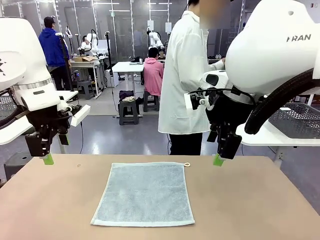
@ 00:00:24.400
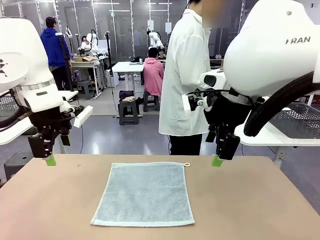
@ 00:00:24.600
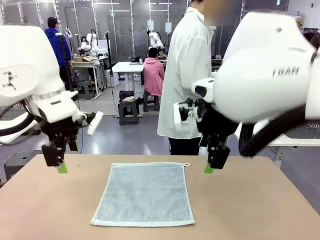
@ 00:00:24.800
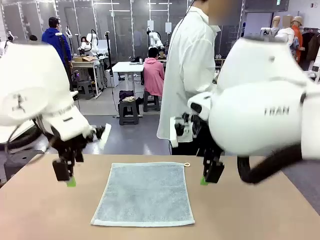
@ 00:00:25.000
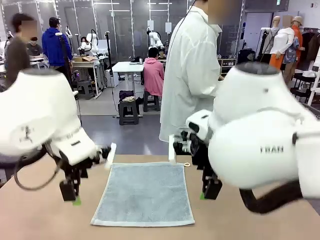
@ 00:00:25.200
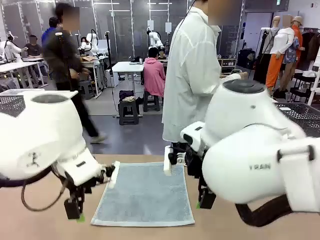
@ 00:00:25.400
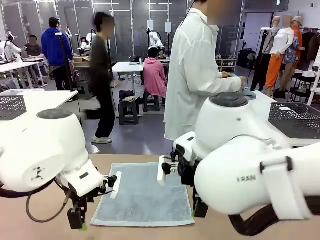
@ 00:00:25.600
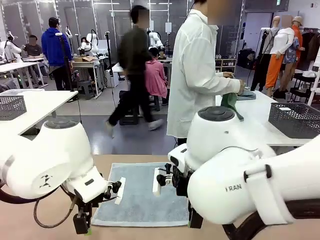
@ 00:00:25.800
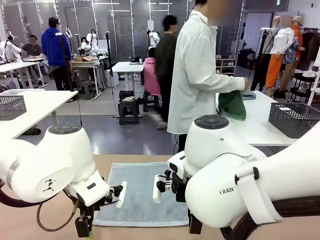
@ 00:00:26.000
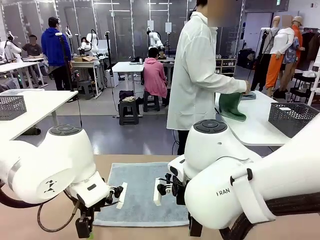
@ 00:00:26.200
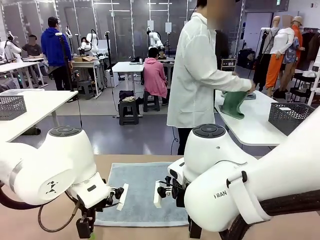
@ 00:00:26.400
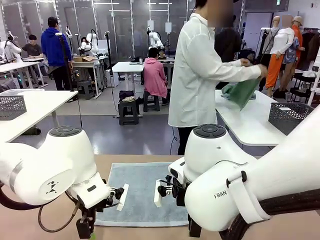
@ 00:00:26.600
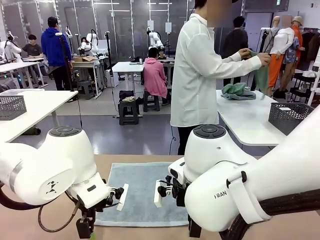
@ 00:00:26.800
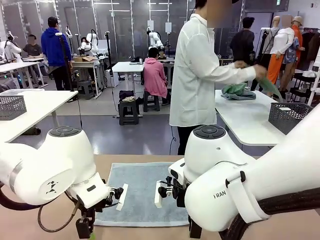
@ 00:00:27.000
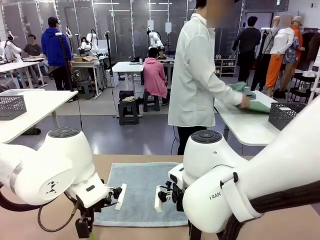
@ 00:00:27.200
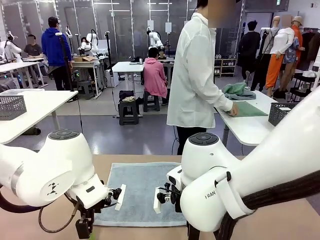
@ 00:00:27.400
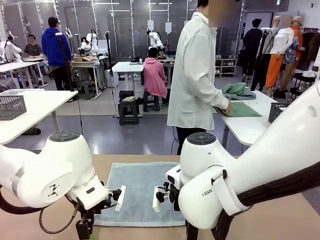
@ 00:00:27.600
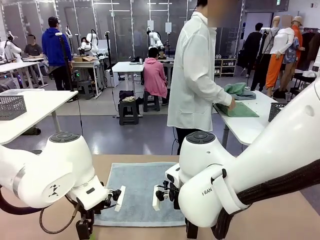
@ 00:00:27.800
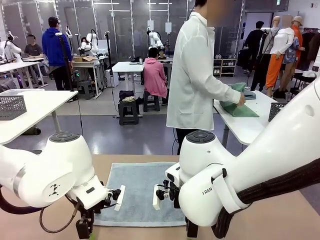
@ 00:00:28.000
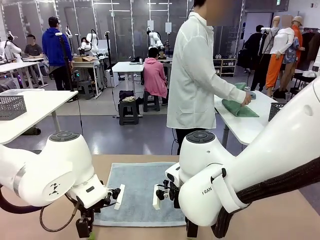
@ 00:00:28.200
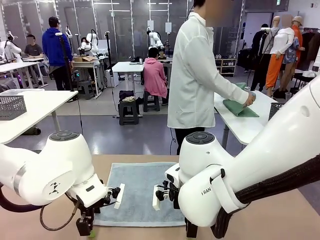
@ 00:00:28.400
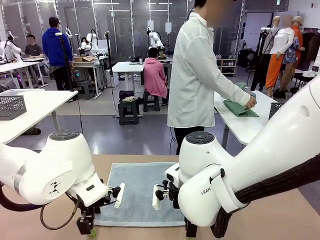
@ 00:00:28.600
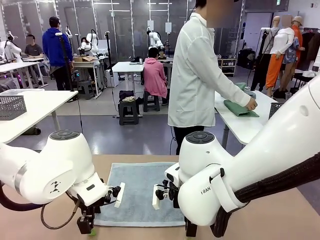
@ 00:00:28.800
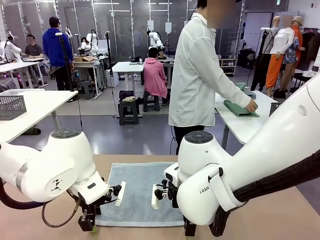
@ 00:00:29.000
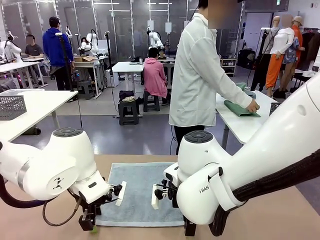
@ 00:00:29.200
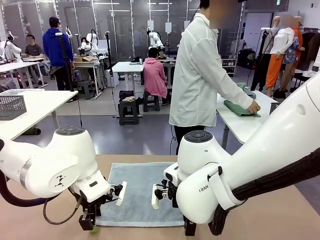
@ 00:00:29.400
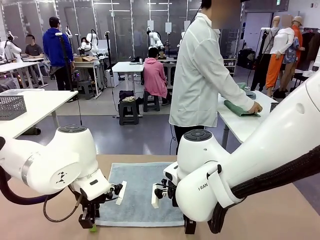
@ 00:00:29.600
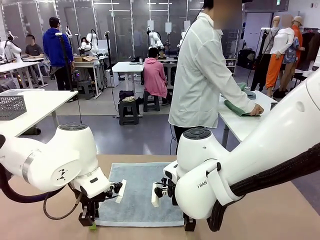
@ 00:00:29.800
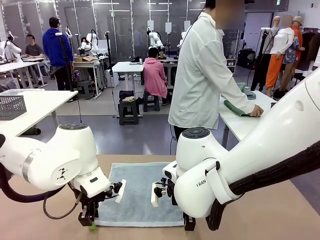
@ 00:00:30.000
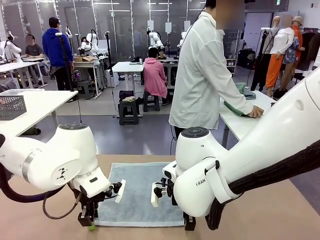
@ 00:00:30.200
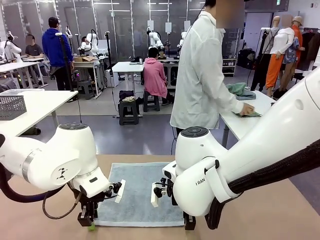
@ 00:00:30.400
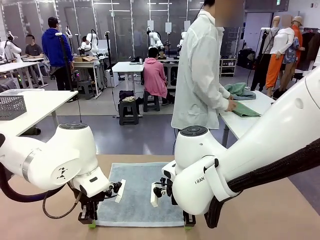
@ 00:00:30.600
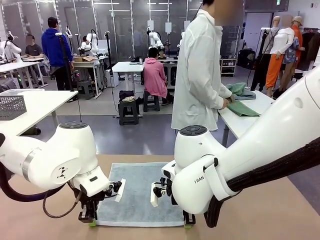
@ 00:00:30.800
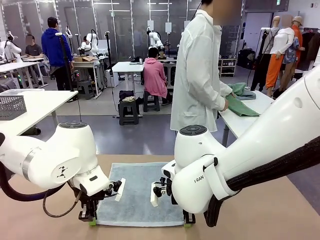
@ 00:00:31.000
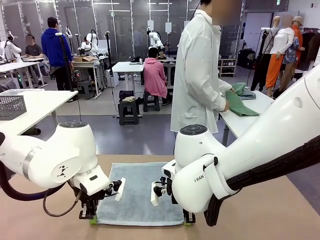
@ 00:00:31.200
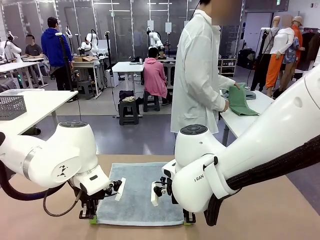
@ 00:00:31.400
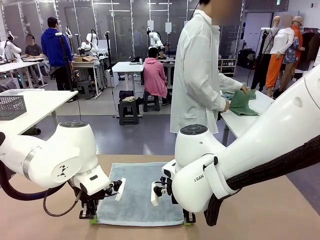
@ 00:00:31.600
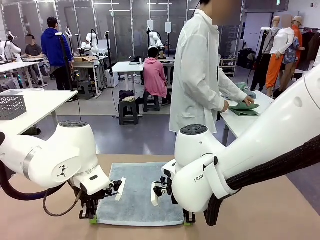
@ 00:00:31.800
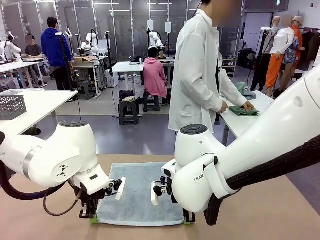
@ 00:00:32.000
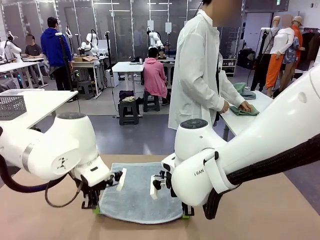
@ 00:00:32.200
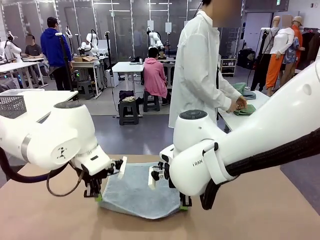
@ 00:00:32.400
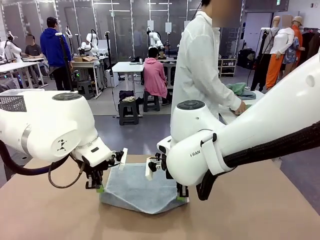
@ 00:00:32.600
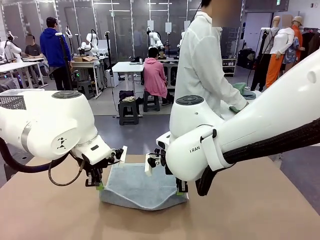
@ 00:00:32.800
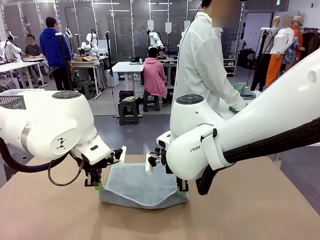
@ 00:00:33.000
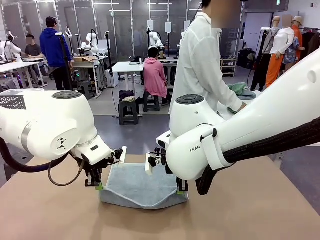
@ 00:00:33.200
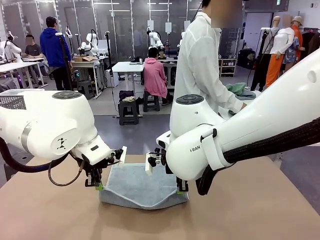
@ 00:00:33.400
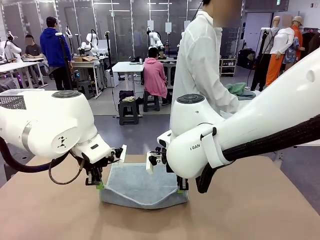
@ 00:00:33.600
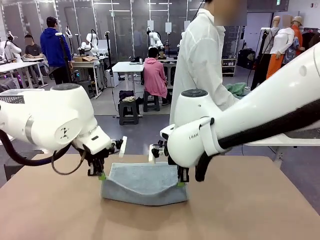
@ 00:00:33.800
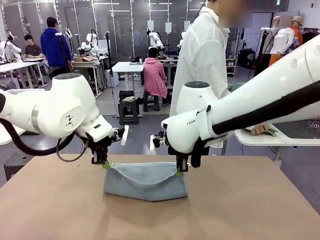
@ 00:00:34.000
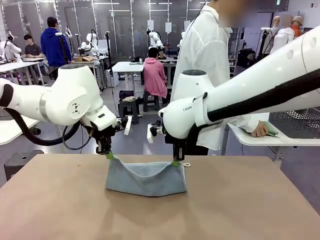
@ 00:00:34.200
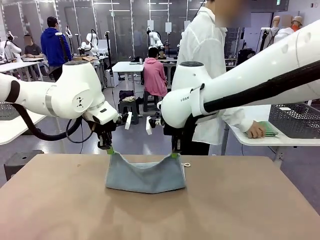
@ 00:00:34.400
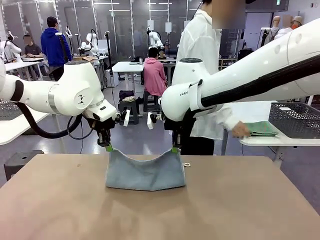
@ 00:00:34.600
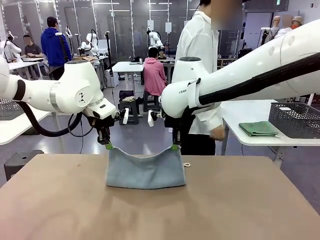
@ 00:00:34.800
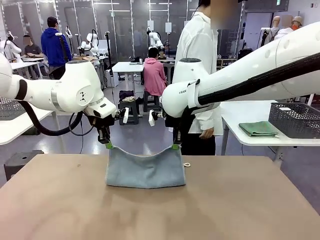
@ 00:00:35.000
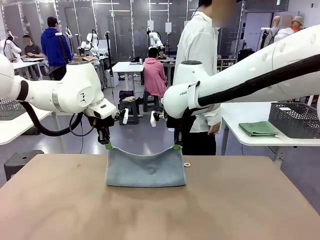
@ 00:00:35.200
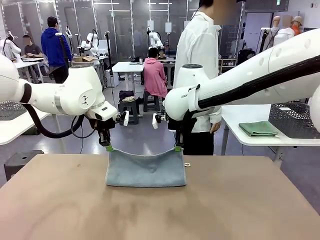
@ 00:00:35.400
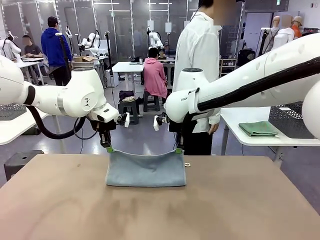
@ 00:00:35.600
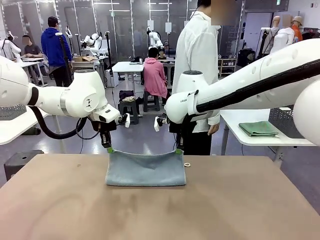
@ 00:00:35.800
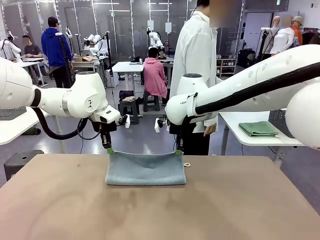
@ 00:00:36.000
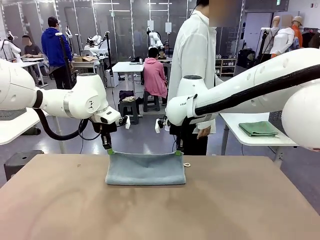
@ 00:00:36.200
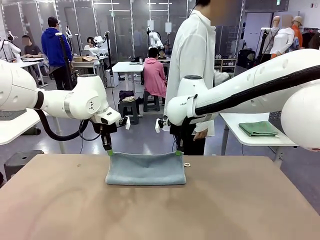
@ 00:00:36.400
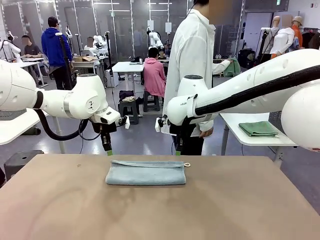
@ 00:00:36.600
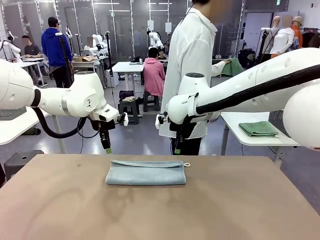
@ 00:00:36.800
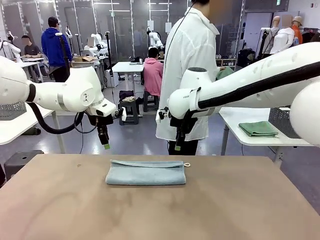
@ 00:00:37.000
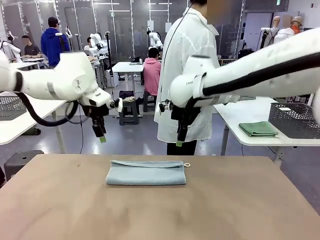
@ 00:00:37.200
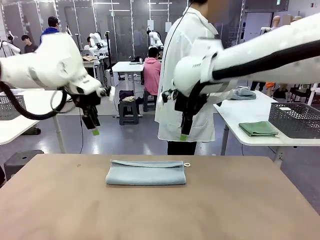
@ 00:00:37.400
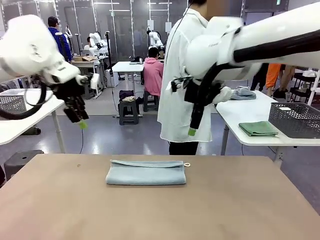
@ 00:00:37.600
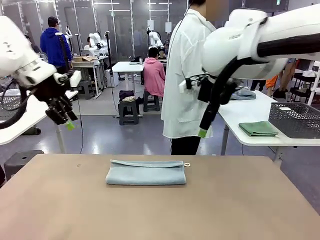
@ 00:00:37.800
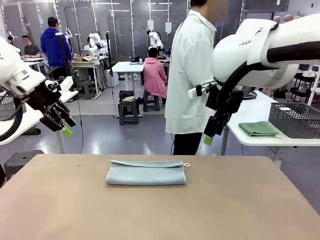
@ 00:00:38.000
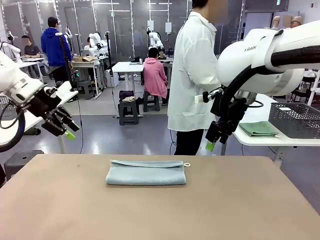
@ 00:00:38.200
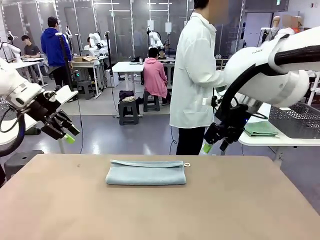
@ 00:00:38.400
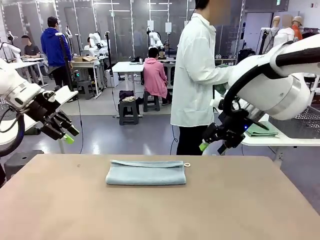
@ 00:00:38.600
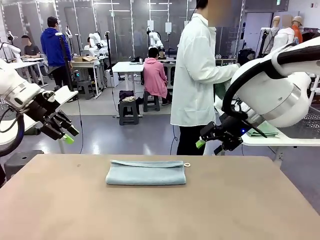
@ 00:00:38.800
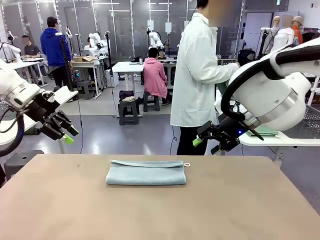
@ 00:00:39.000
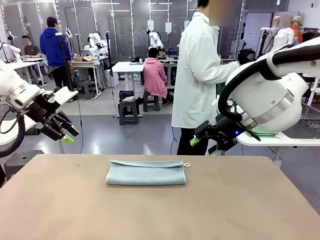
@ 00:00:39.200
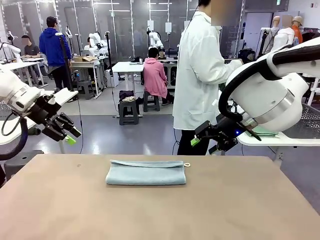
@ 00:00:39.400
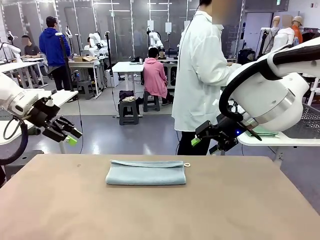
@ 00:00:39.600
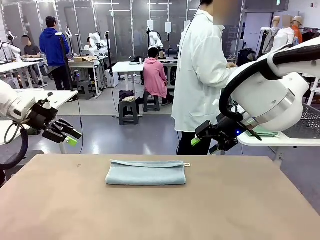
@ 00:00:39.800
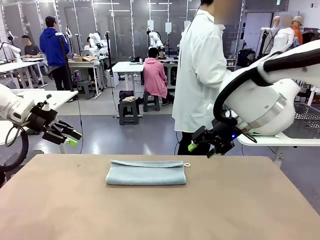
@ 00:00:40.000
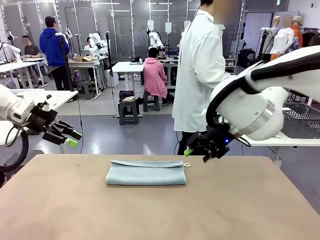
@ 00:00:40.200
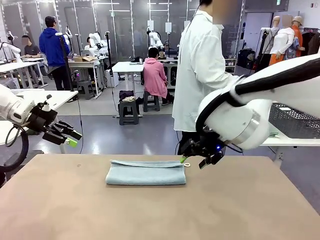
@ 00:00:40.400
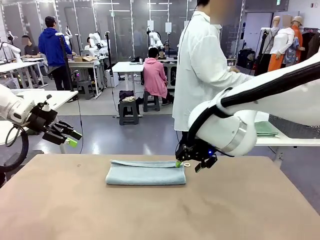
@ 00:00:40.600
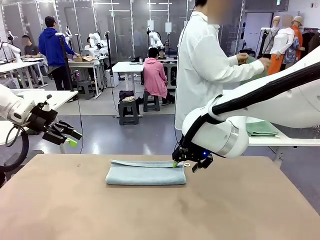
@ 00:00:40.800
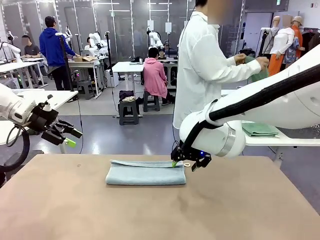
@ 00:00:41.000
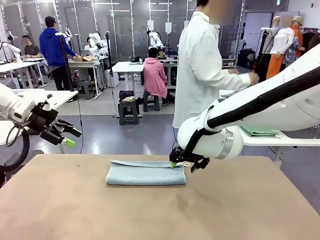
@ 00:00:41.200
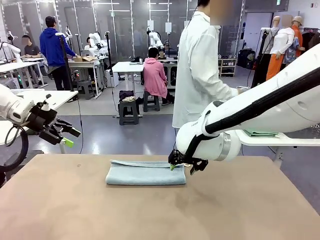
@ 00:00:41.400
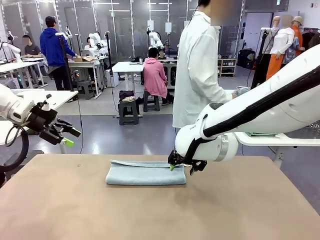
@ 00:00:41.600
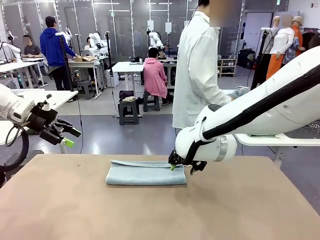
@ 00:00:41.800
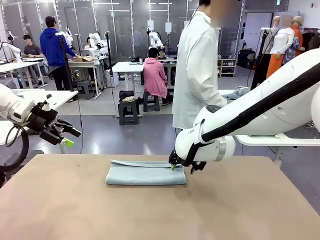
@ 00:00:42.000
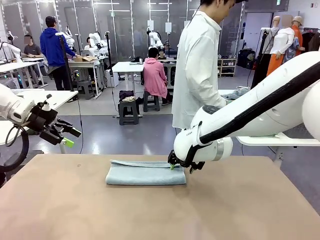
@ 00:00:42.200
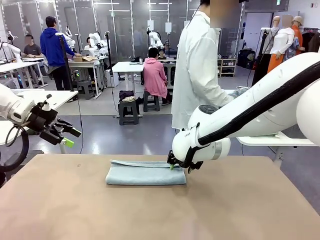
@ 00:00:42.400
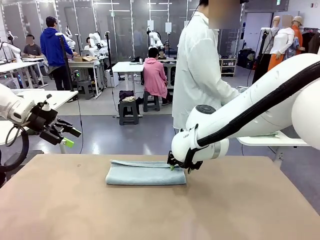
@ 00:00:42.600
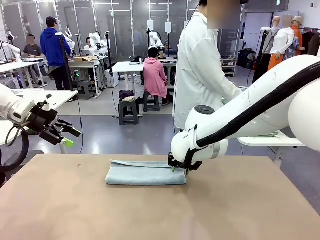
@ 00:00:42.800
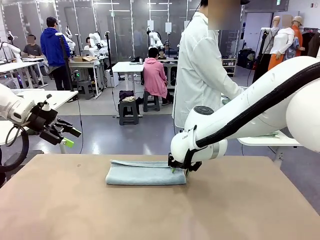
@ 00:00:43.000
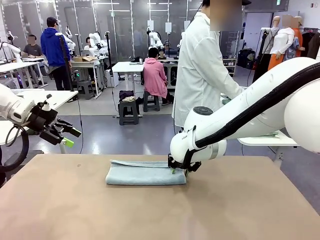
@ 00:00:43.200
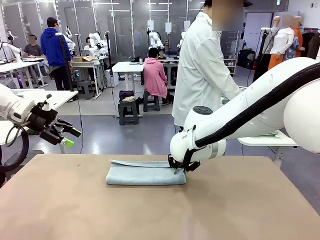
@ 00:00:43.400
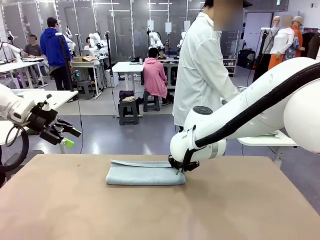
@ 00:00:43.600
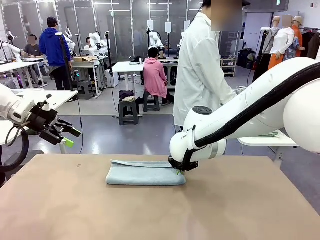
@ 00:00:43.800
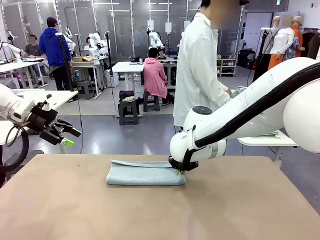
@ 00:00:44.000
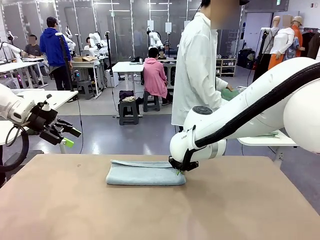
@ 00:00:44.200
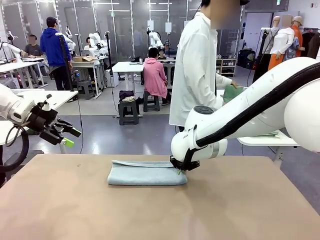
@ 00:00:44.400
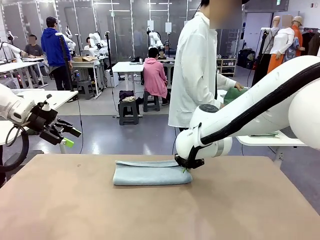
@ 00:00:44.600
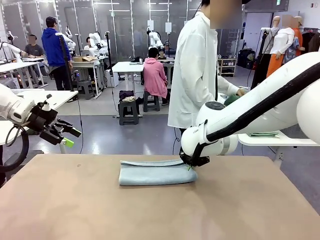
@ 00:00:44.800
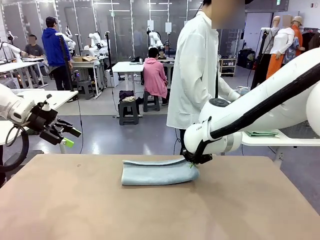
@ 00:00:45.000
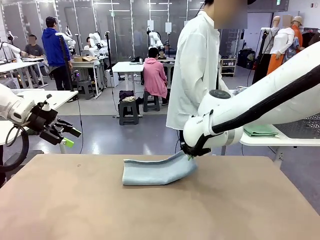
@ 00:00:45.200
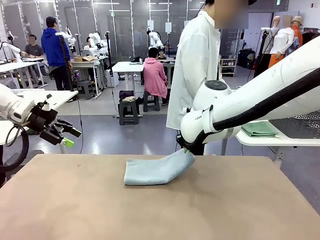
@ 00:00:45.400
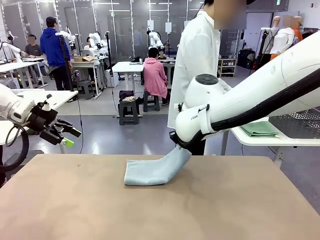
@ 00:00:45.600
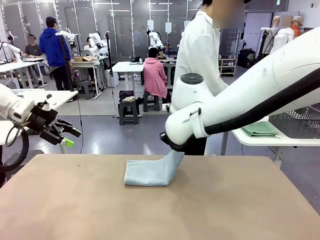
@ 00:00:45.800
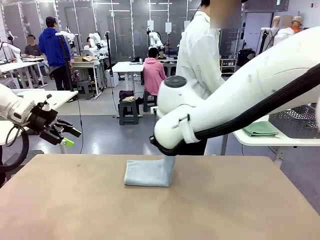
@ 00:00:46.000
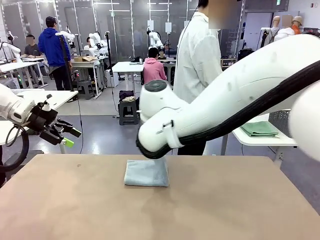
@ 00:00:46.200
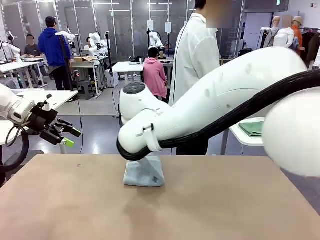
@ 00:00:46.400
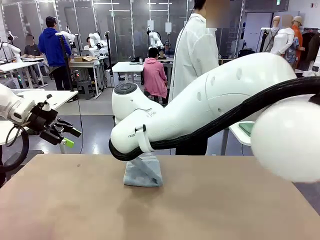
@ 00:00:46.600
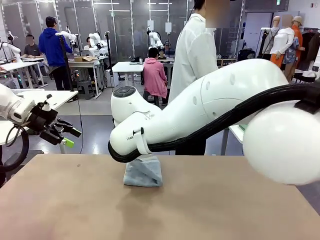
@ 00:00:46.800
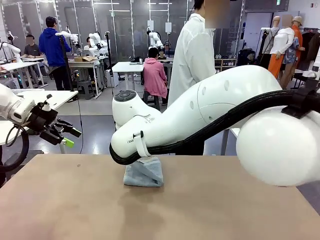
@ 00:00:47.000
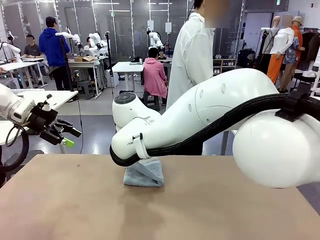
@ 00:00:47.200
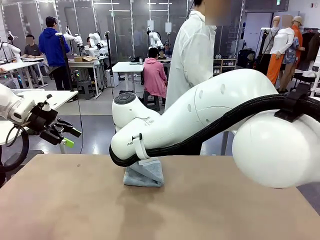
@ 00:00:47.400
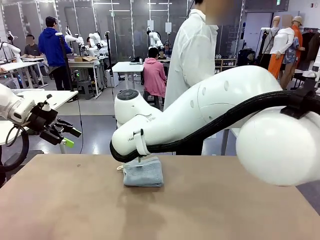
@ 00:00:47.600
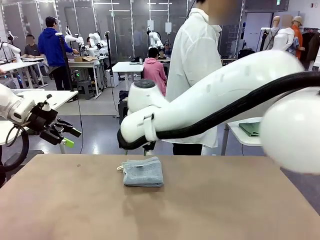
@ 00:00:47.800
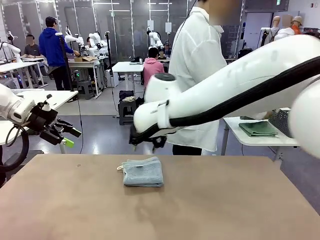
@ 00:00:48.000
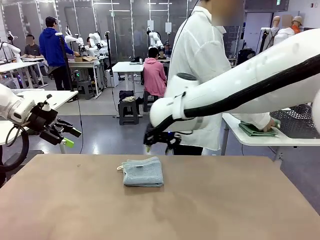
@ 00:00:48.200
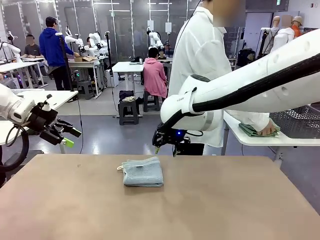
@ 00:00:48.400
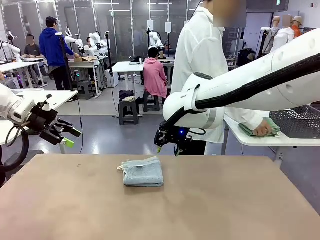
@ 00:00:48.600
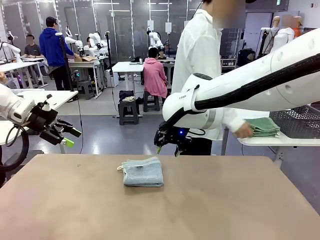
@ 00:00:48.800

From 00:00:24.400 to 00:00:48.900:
Task: Fold the towels and place them in the basket.
Robot: When a person lays out a Towel with hook on the table, fold it in half twice.
Person: Pick up one towel from the left side of the human table, fold it in half twice, and place it on the right side of the table. Pick up one towel from the left side of the human table, fold it in half twice, and stack it on the right side of the table.
